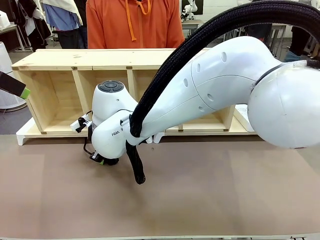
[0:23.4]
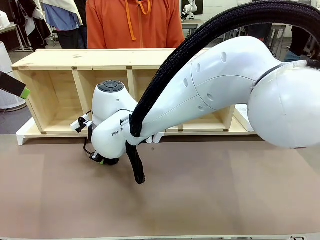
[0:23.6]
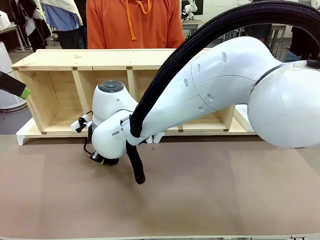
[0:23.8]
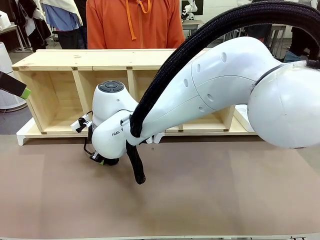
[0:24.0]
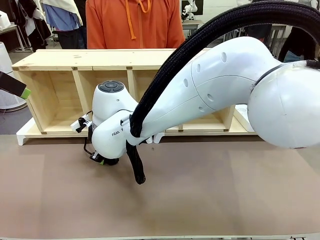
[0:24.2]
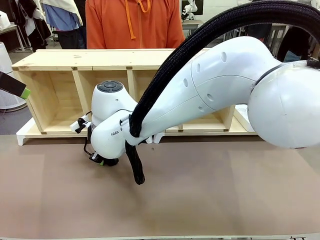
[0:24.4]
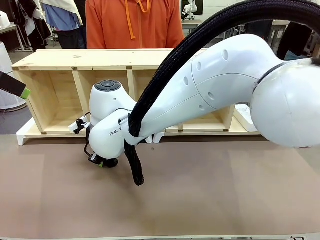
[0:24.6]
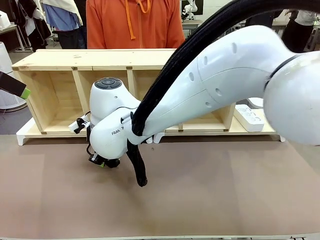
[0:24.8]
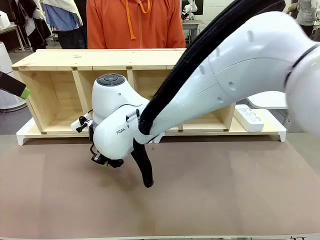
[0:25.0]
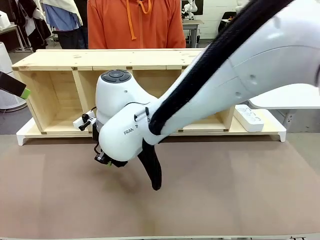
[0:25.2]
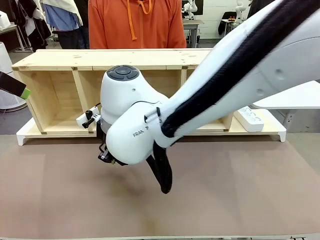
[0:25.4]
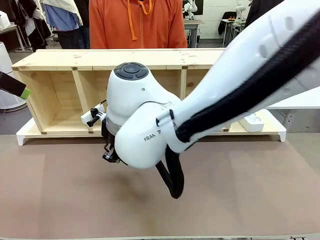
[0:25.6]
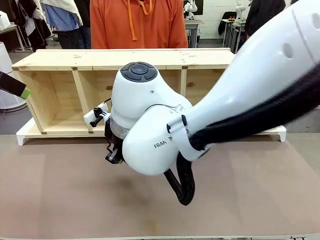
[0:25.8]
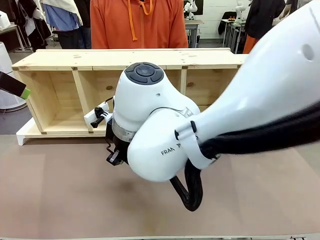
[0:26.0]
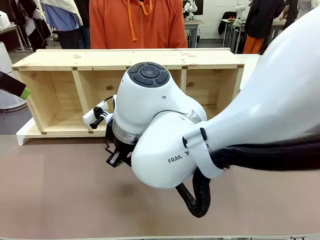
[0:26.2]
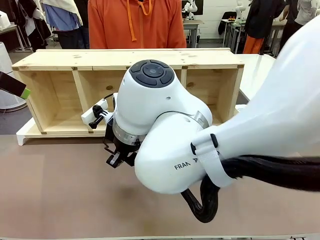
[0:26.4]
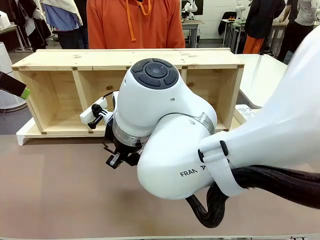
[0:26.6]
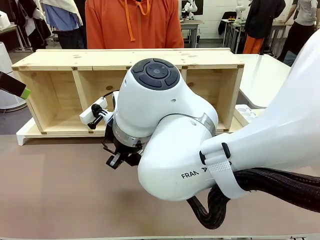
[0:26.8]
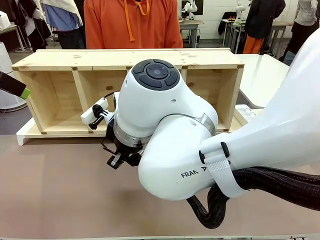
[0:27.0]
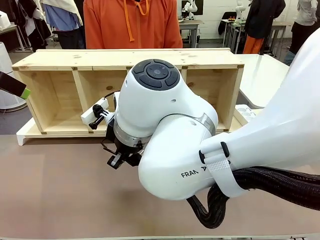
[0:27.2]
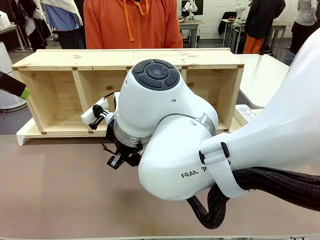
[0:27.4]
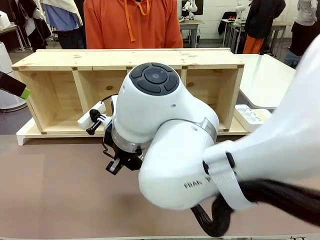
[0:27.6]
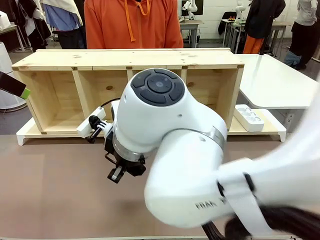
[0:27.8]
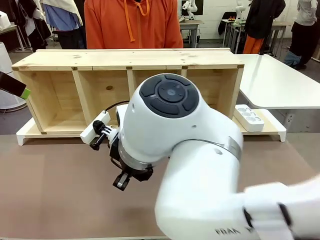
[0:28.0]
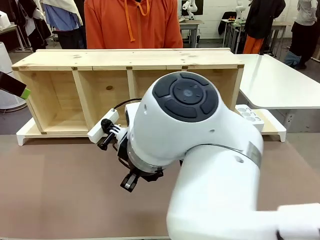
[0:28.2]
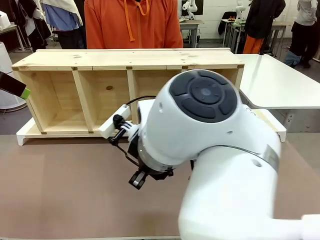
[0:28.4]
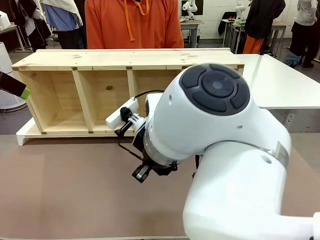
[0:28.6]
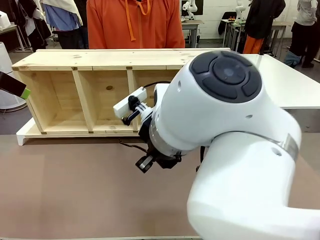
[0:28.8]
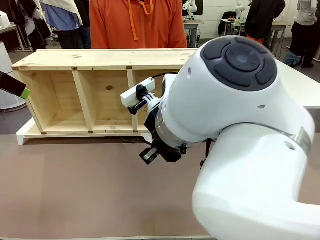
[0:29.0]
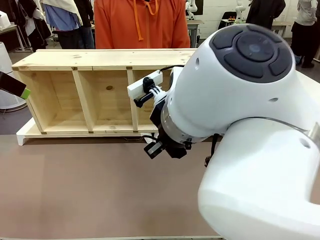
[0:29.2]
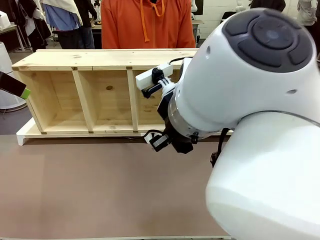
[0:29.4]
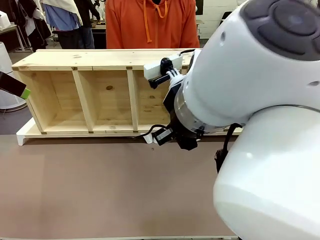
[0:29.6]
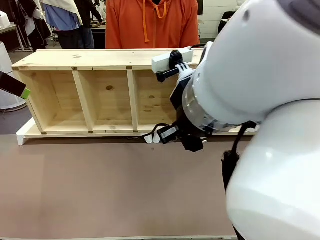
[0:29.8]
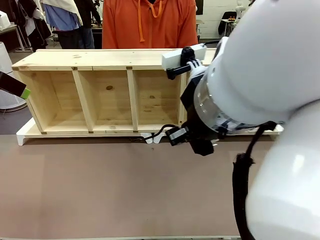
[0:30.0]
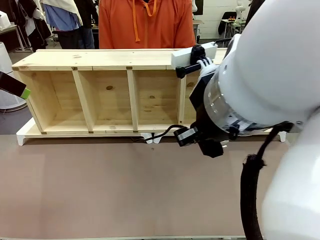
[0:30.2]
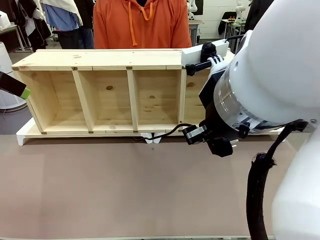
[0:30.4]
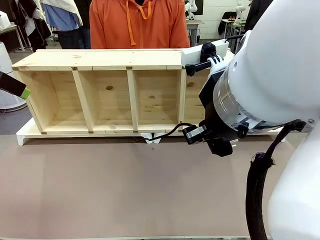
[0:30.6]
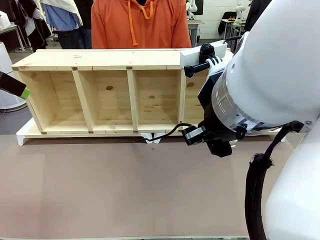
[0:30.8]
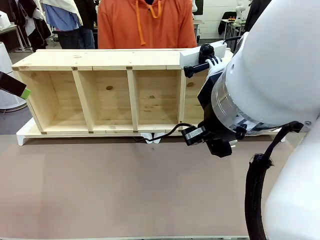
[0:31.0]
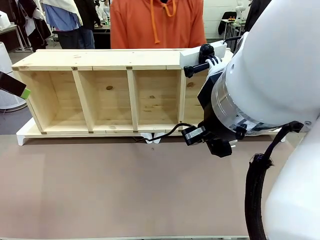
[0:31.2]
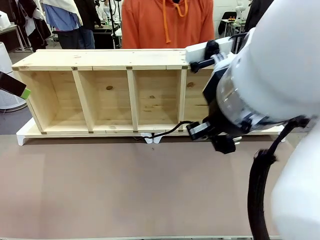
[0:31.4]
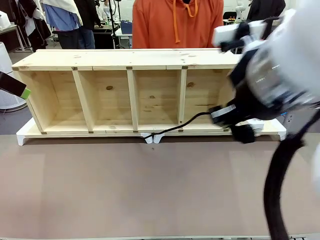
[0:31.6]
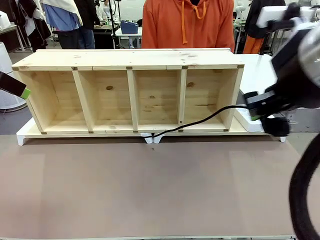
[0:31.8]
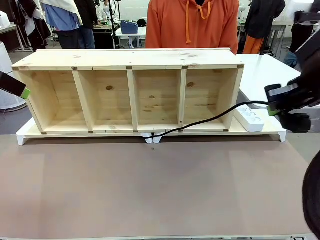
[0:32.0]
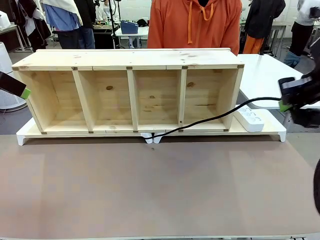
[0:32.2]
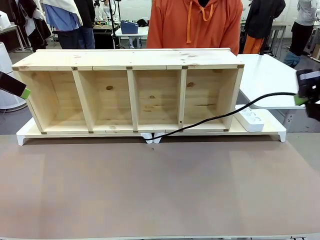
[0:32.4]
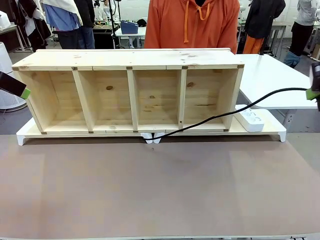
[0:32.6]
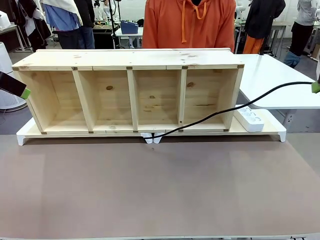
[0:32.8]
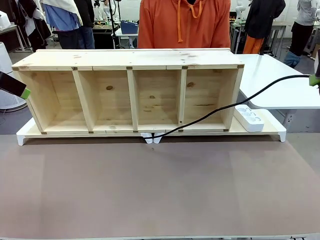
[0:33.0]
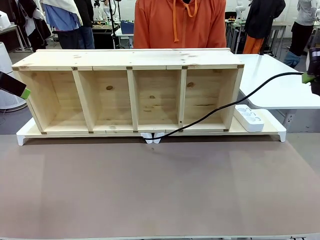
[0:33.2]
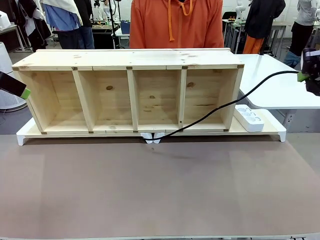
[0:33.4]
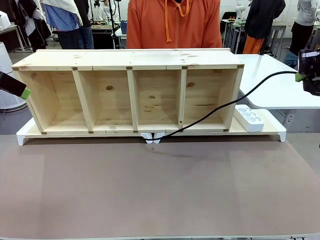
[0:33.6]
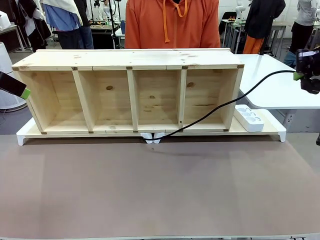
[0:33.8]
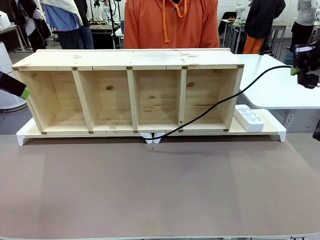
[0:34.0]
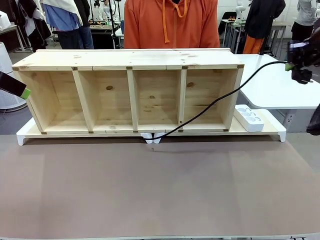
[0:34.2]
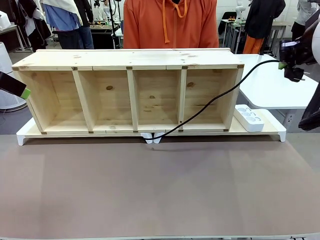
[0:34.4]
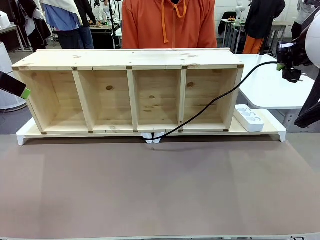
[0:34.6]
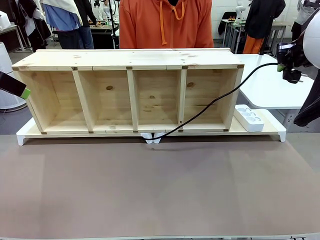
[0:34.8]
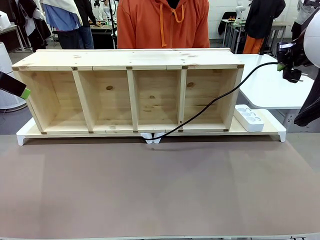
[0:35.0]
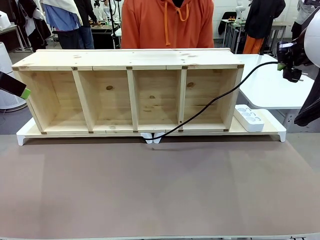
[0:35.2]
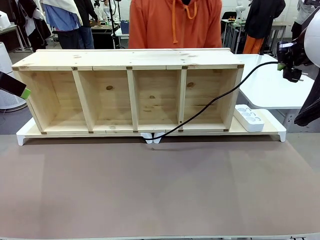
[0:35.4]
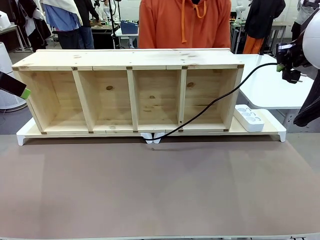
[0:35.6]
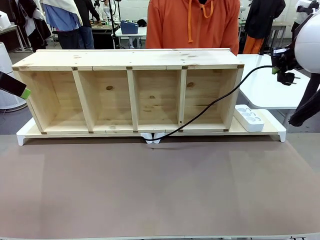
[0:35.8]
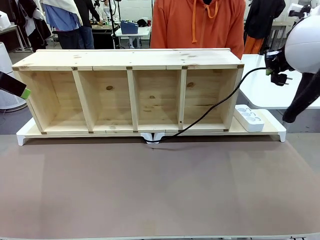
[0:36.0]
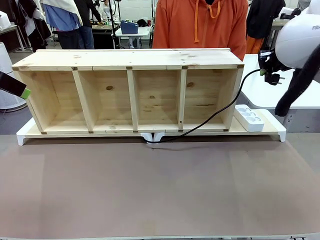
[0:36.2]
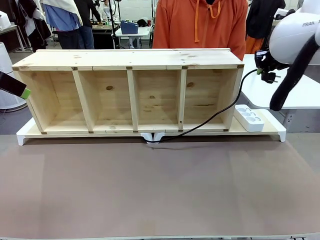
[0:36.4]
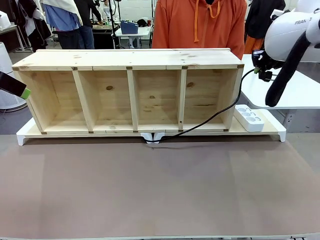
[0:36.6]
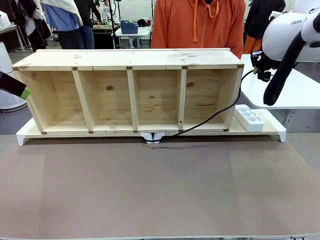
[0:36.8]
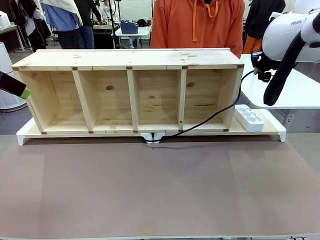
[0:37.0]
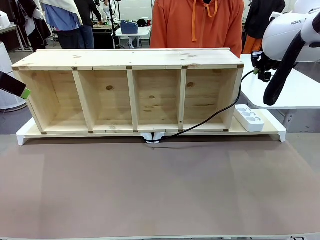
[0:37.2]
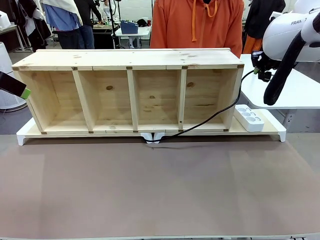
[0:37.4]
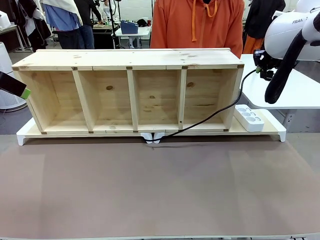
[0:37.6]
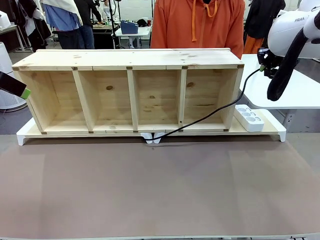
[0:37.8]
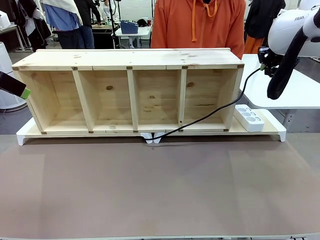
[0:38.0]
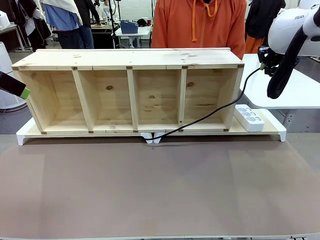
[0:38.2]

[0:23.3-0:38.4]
Task: Perform cable management.
Robot: Pull the grasped Power Cable to the location of the Power Strip.

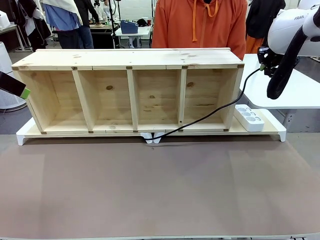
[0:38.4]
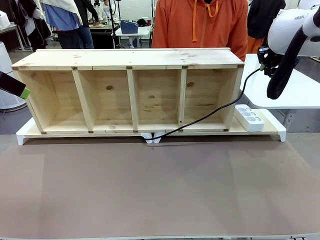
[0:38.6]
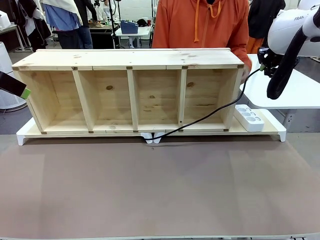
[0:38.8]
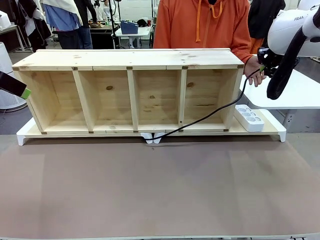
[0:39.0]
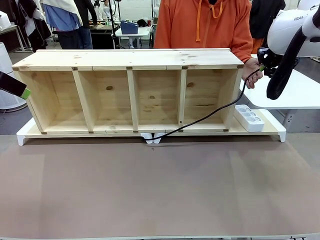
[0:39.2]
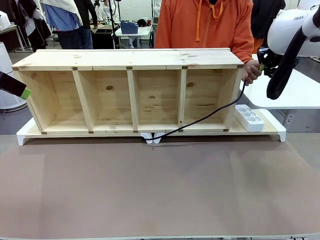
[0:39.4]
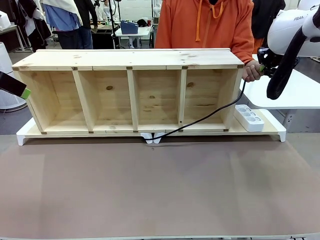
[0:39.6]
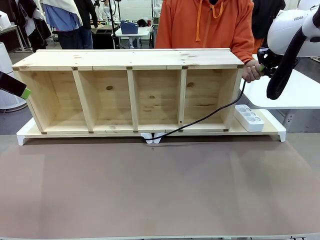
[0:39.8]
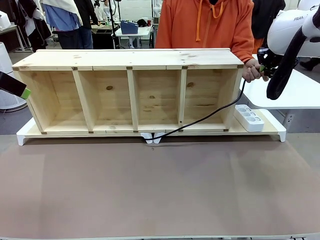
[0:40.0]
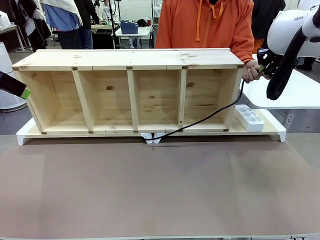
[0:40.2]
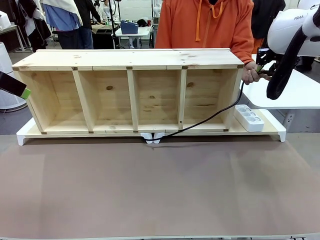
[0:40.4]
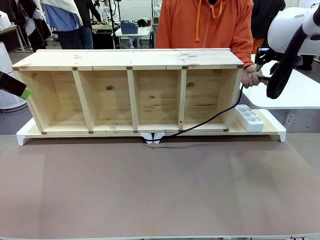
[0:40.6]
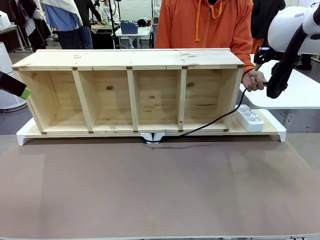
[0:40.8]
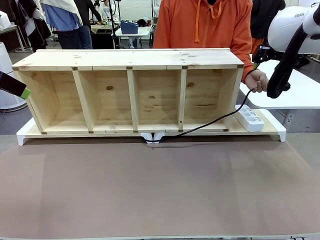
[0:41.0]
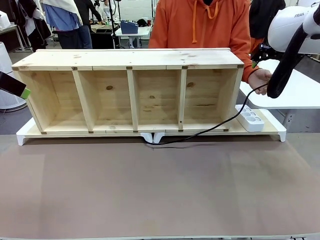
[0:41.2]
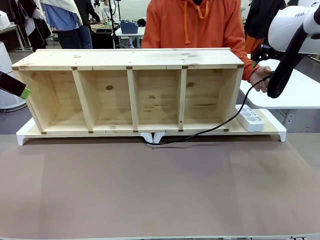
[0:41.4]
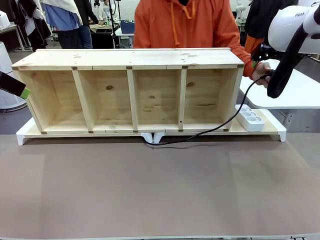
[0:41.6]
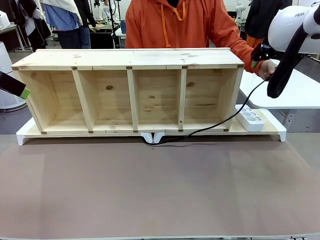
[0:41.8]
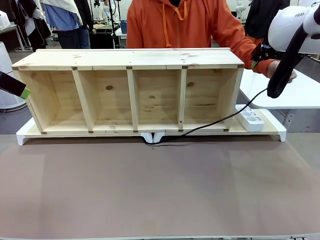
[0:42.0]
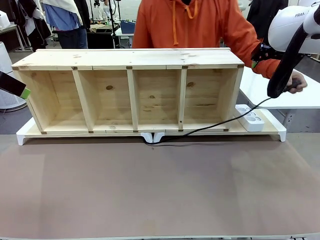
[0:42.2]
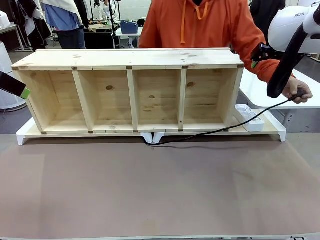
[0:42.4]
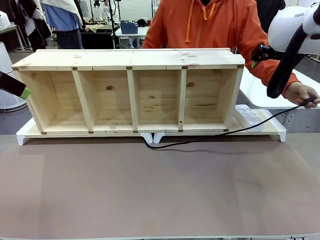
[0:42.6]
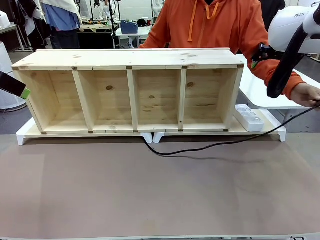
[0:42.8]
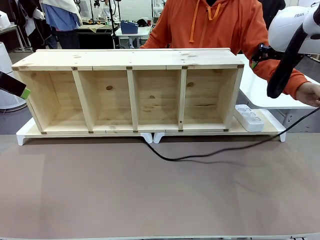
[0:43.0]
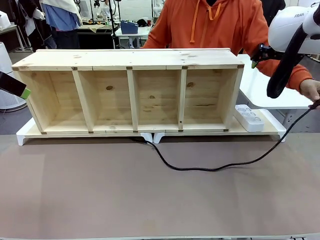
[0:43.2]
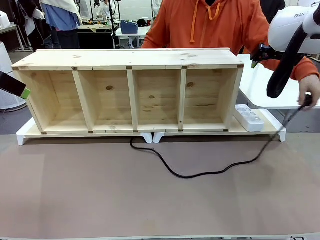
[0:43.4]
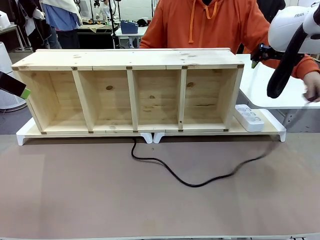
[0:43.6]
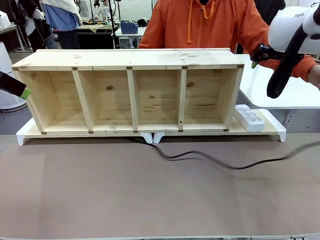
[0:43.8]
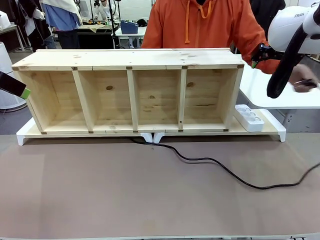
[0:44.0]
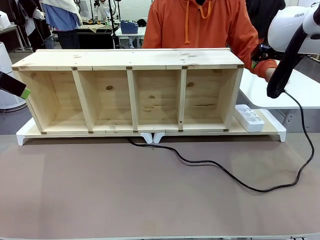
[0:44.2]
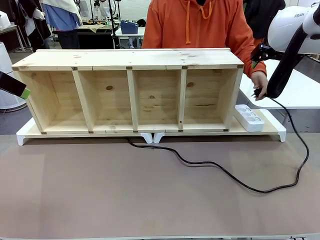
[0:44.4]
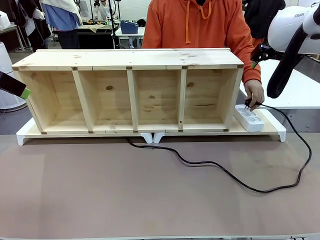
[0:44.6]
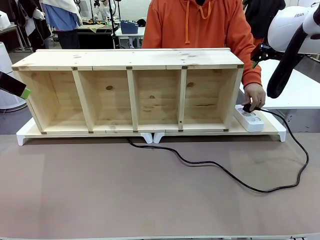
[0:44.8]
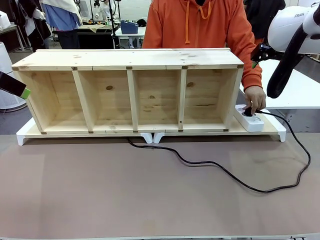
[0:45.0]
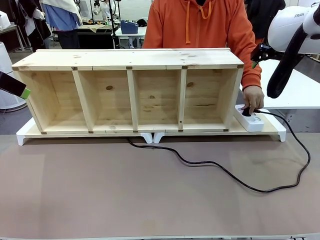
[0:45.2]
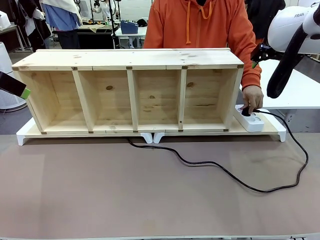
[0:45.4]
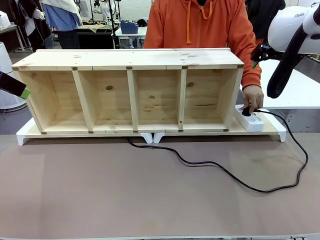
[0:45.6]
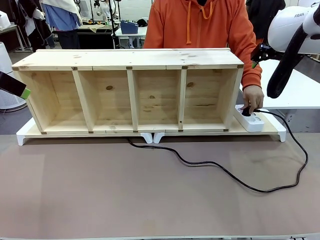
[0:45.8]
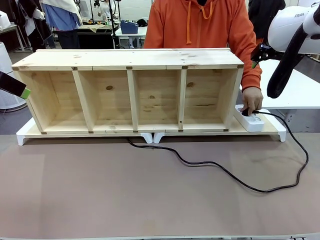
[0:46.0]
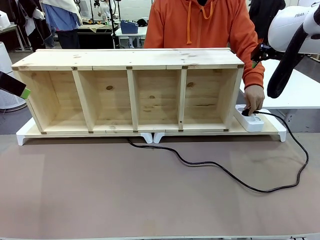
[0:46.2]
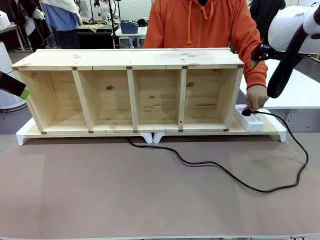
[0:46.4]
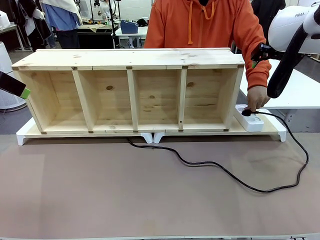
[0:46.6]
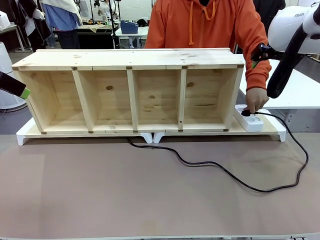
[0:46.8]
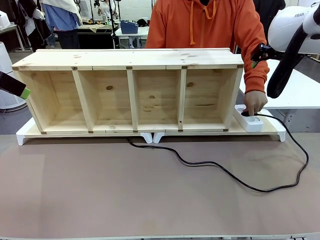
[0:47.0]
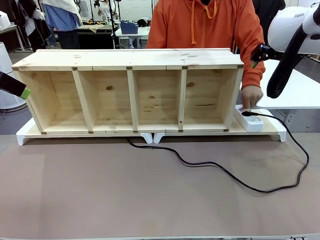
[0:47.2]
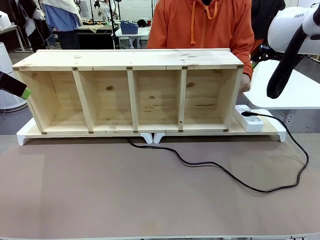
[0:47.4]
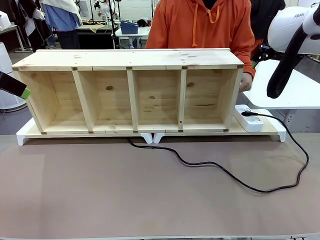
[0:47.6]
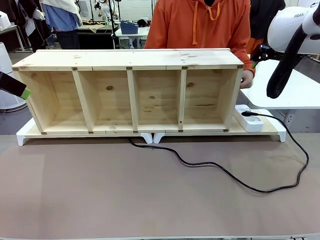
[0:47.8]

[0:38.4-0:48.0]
Robot: Release the Power Cable when the human grasps it.
Person: Plug the Power Cable into the Power Strip.
